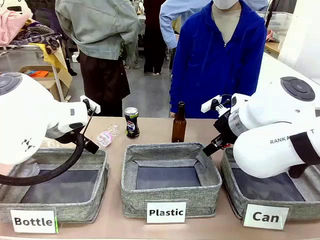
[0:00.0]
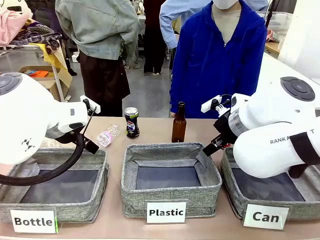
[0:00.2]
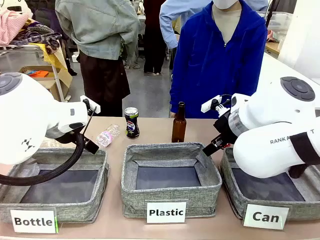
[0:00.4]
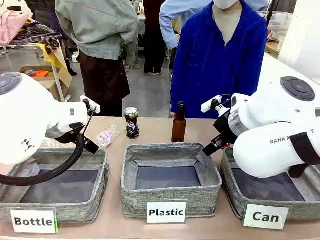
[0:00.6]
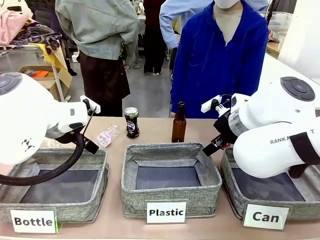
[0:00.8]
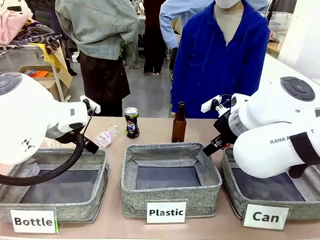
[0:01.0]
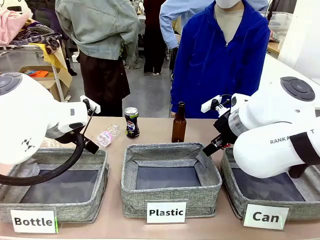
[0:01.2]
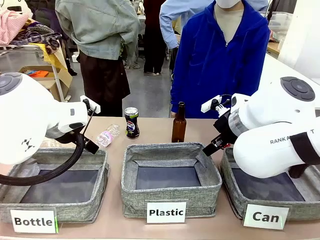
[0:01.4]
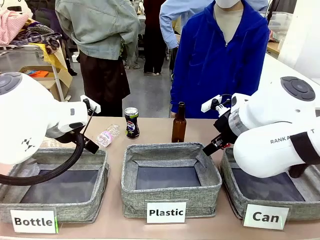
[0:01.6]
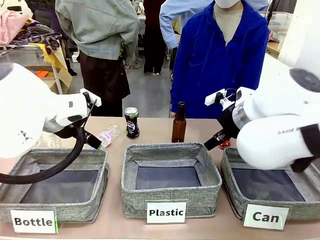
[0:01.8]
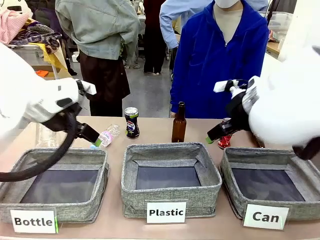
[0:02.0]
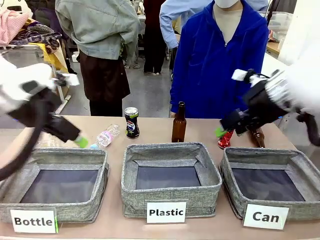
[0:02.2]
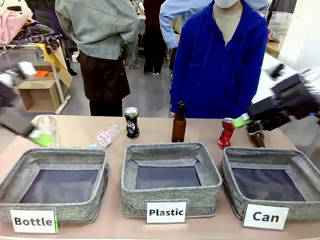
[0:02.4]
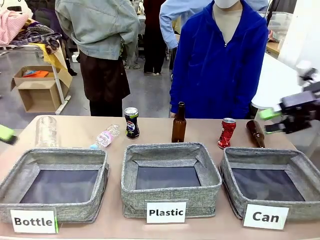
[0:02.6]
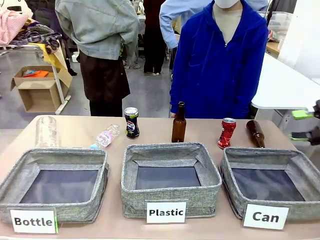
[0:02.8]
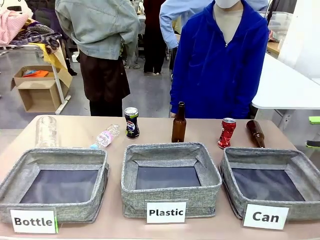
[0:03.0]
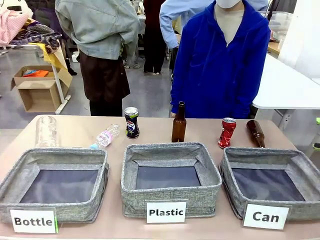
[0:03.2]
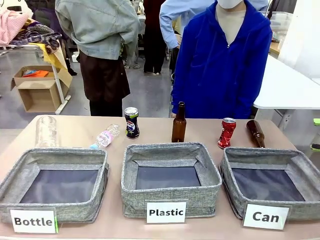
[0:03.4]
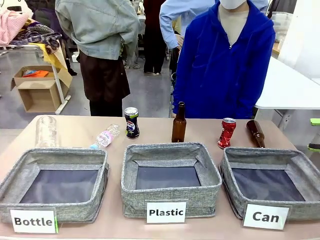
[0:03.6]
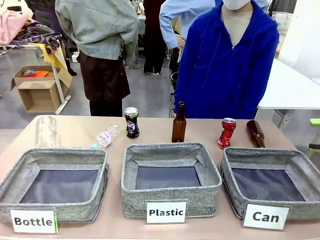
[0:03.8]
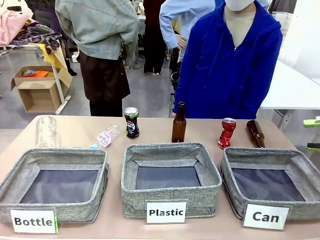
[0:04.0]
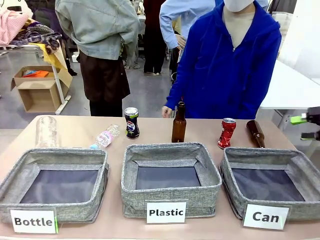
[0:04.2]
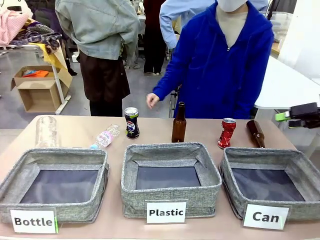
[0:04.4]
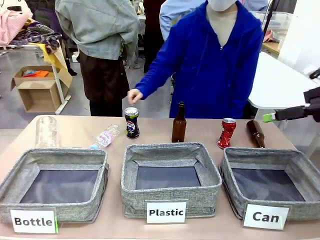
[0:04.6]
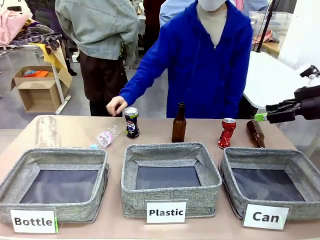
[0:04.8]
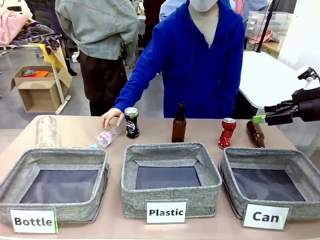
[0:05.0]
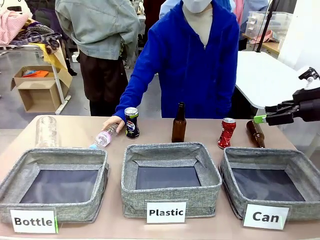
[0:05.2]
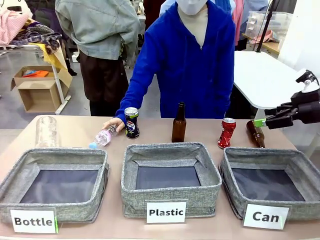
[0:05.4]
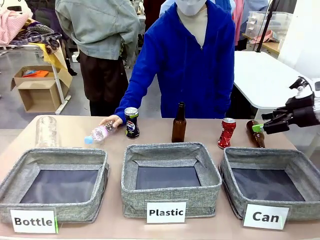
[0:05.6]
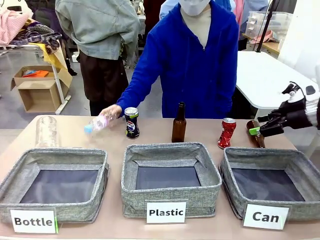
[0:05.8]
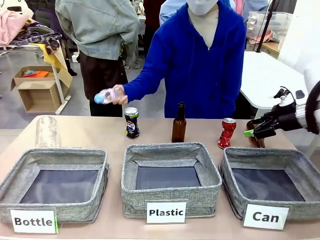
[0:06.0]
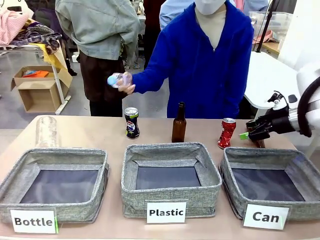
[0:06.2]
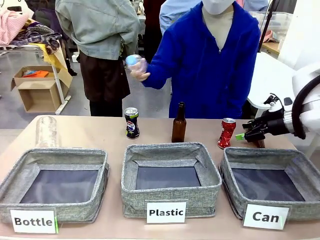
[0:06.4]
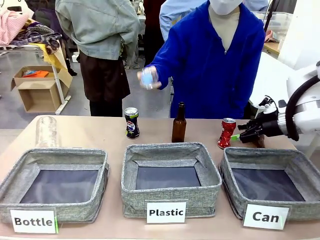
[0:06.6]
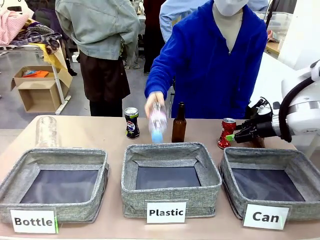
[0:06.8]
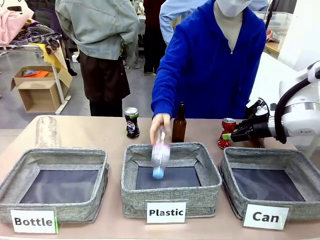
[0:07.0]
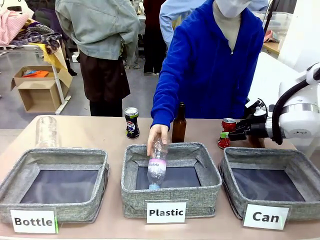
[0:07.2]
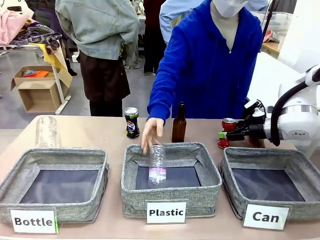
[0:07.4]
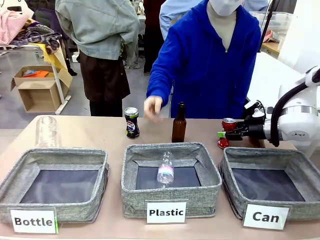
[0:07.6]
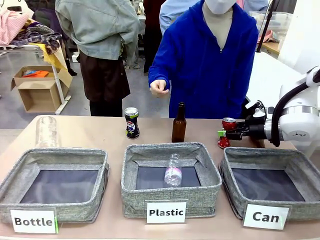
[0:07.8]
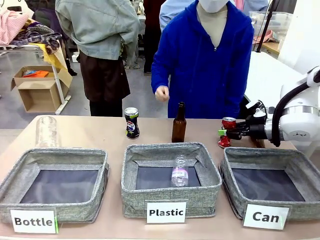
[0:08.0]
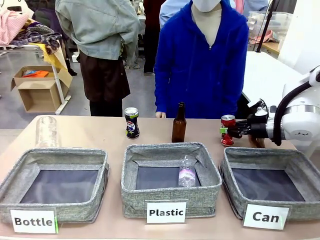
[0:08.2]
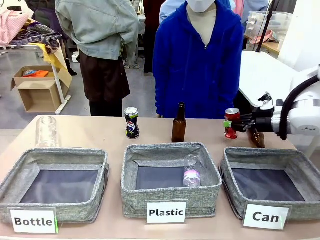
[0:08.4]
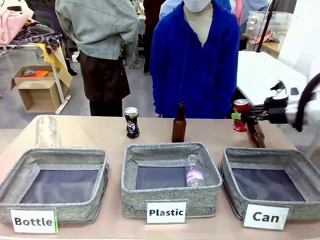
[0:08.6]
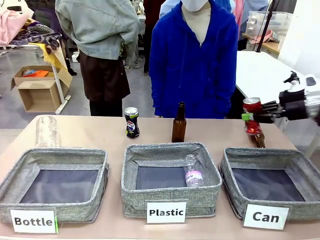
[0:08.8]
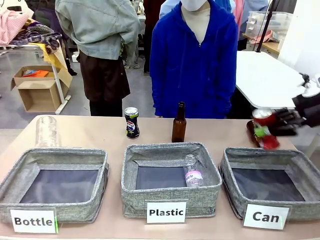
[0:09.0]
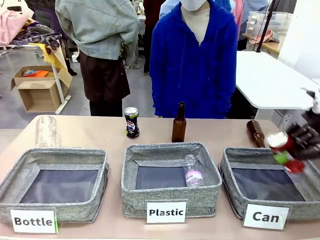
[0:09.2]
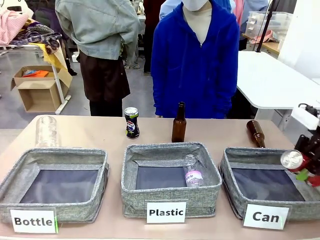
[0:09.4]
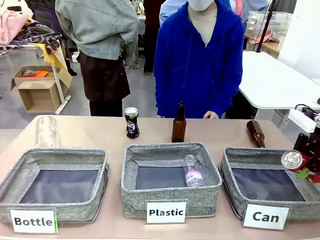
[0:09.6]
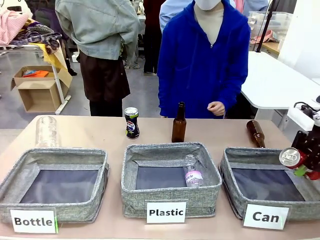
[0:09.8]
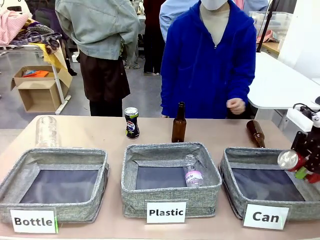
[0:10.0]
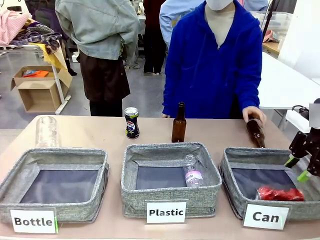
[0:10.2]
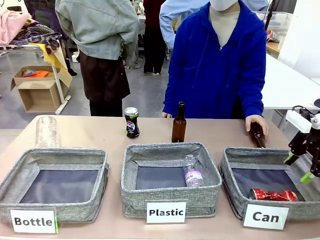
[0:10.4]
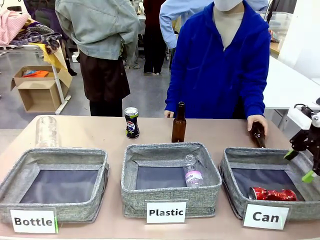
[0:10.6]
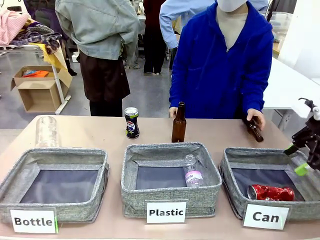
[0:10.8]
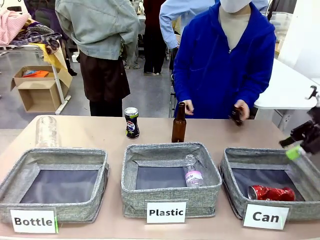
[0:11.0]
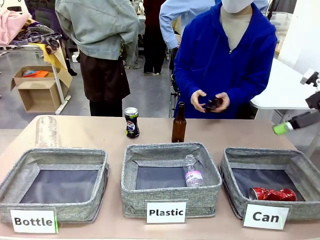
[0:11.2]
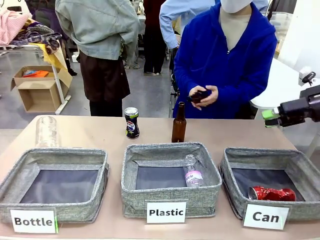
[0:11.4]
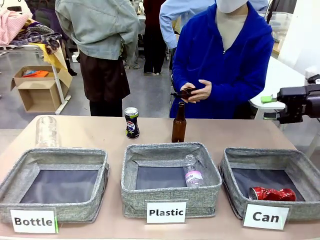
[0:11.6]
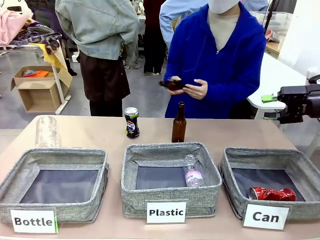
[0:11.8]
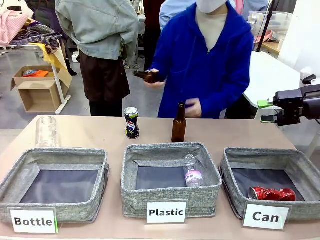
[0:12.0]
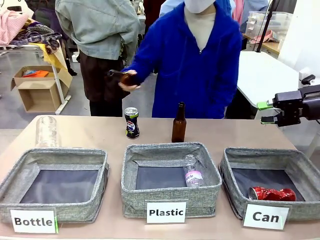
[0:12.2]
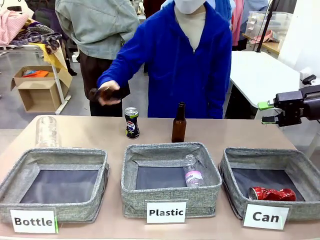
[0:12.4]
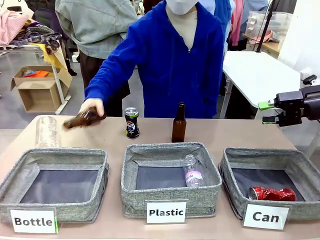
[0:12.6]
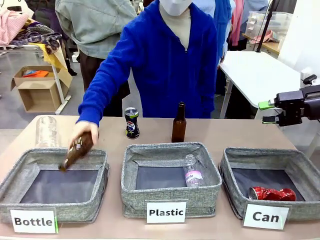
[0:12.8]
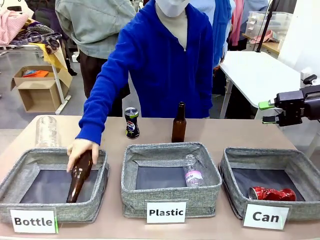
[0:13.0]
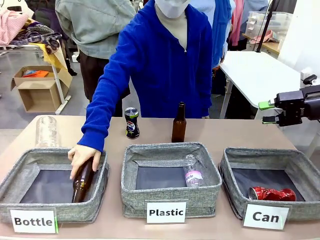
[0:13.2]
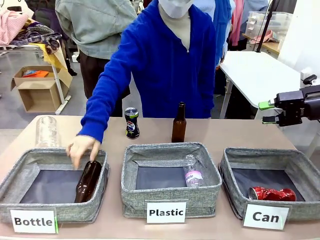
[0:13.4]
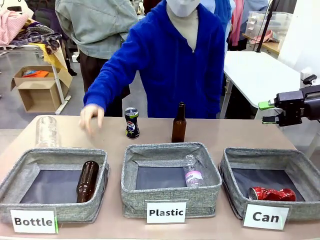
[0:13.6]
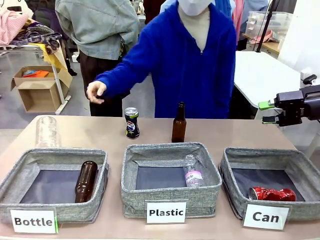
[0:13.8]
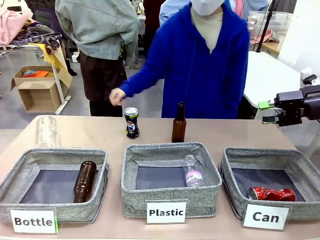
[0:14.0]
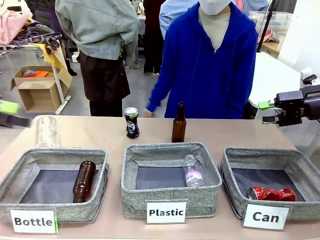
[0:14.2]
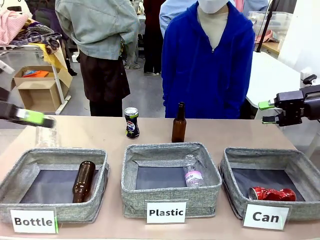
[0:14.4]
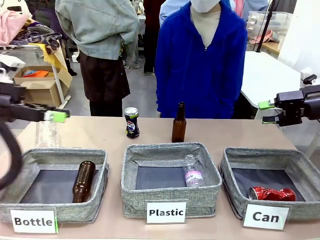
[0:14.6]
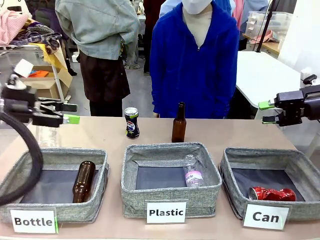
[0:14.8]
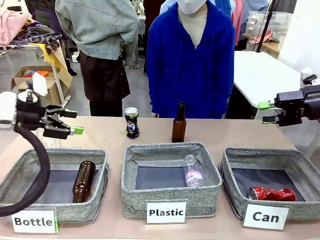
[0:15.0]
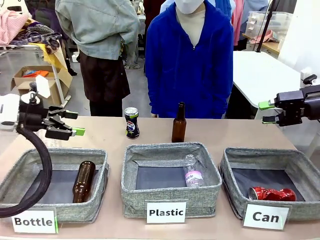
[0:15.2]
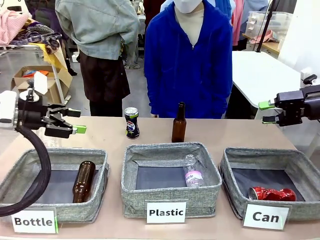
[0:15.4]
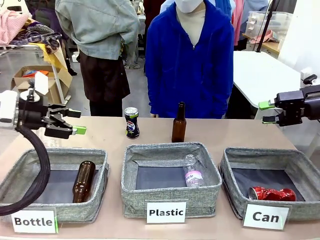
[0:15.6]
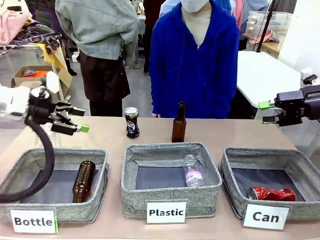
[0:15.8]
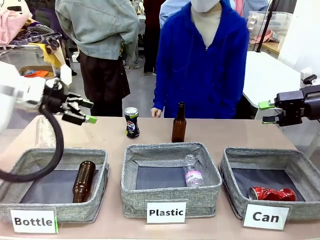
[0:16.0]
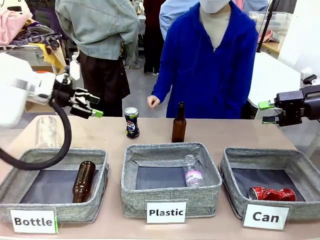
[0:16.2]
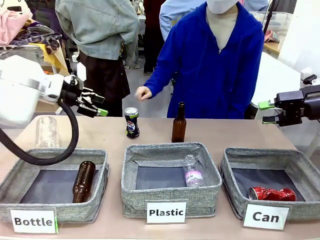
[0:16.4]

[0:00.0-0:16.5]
Task: Sort the can waste into the basket.
Robot: Pick up the can waste from the table and place it in the right Fabric basket.
